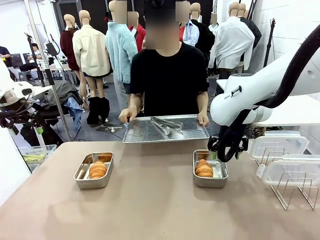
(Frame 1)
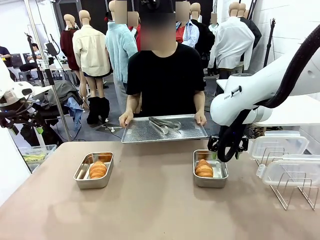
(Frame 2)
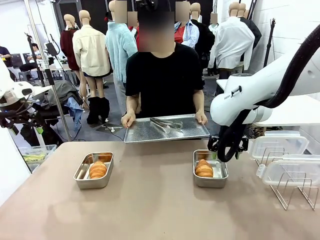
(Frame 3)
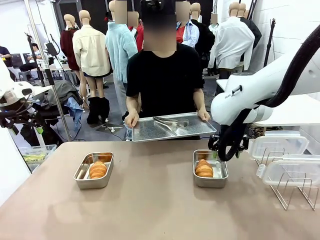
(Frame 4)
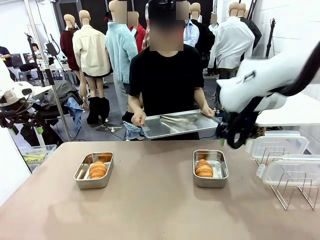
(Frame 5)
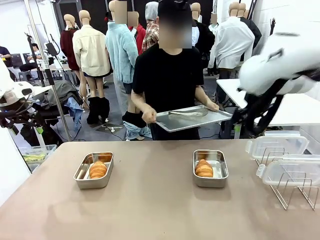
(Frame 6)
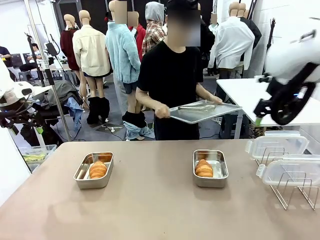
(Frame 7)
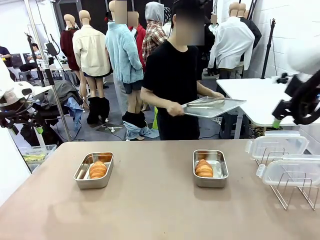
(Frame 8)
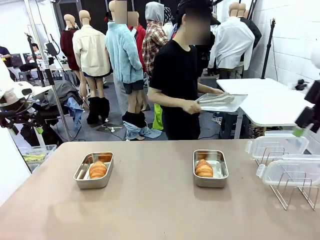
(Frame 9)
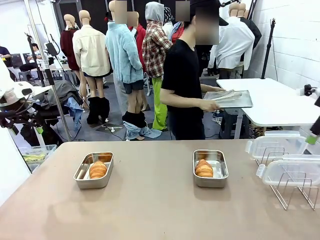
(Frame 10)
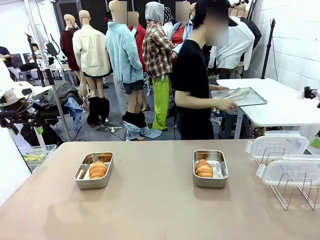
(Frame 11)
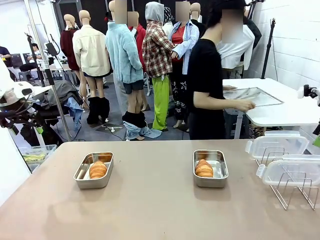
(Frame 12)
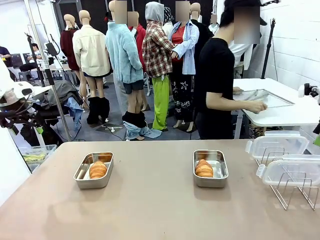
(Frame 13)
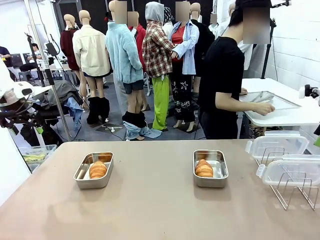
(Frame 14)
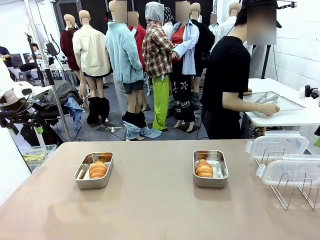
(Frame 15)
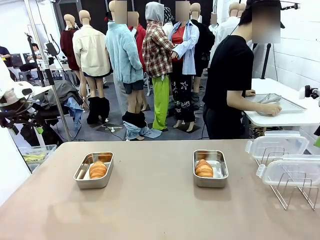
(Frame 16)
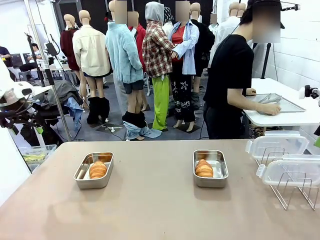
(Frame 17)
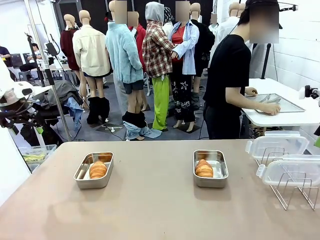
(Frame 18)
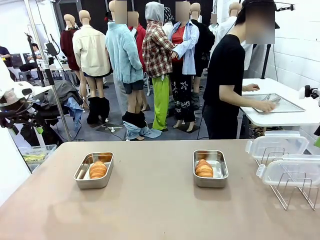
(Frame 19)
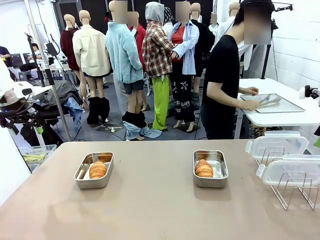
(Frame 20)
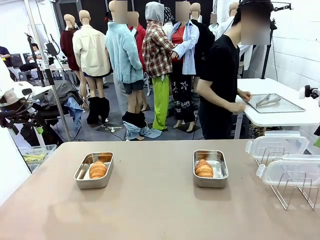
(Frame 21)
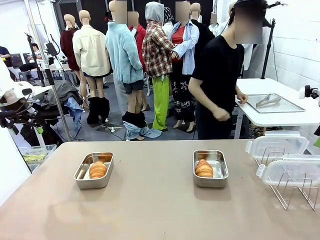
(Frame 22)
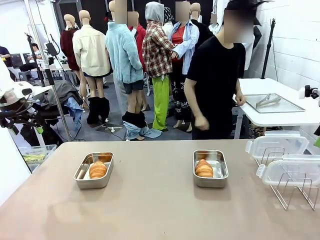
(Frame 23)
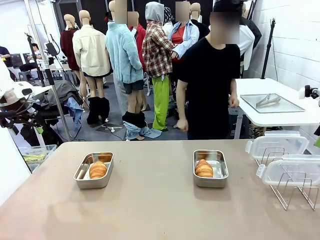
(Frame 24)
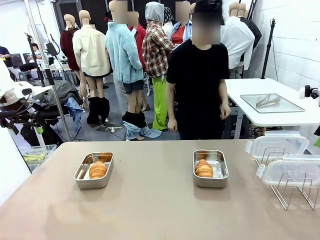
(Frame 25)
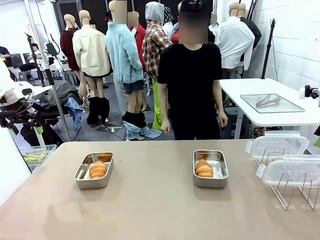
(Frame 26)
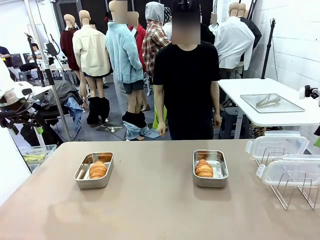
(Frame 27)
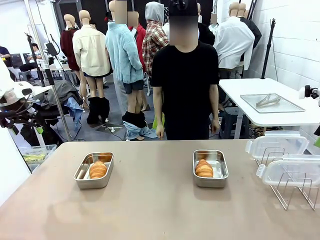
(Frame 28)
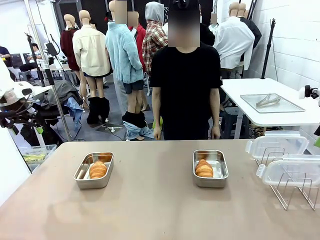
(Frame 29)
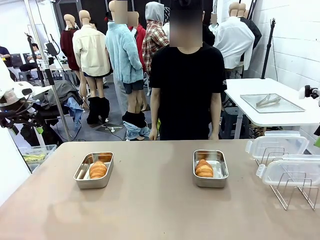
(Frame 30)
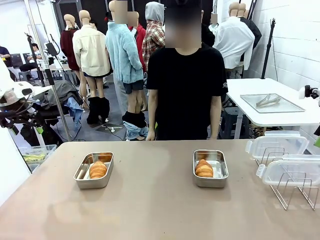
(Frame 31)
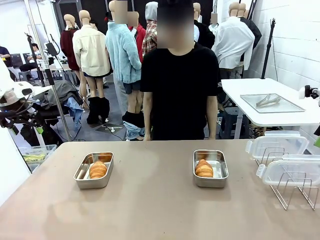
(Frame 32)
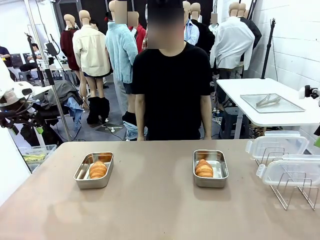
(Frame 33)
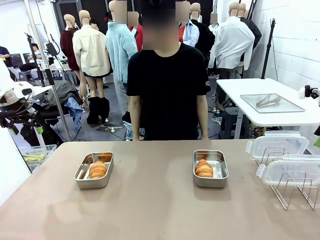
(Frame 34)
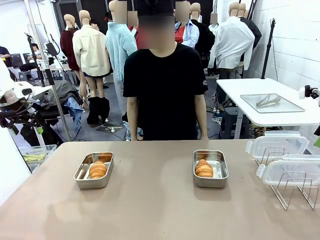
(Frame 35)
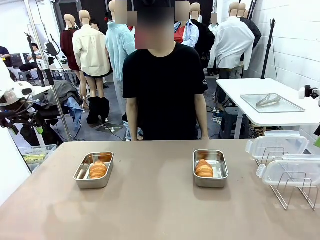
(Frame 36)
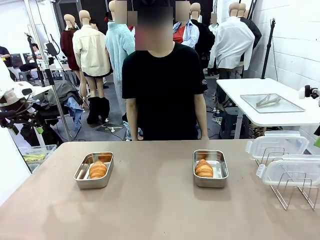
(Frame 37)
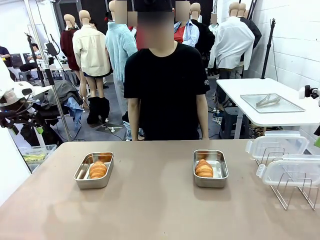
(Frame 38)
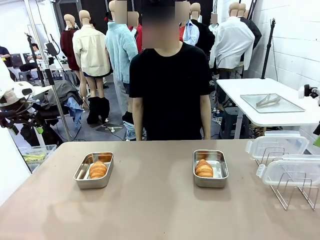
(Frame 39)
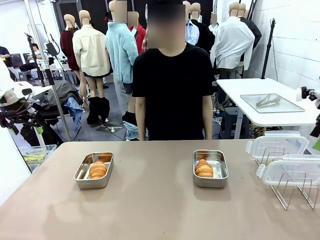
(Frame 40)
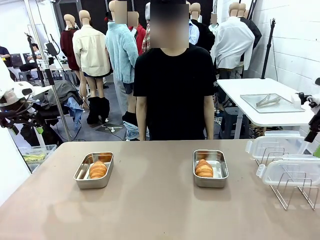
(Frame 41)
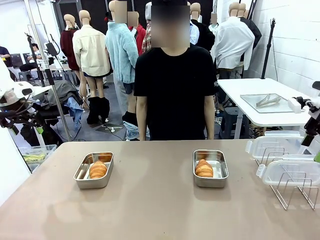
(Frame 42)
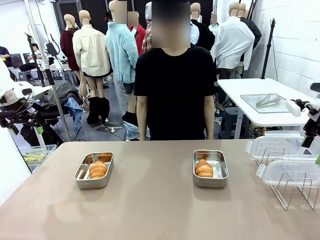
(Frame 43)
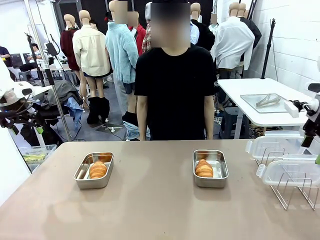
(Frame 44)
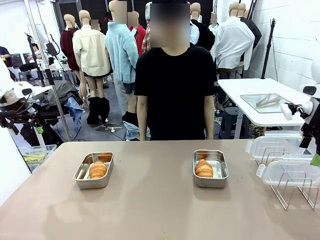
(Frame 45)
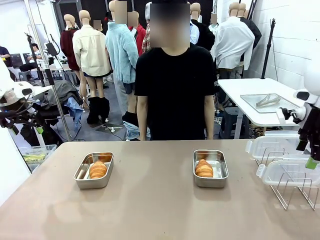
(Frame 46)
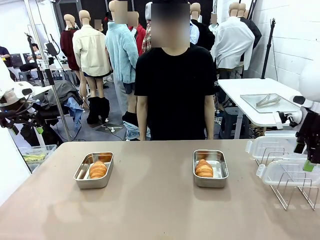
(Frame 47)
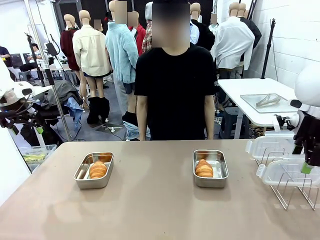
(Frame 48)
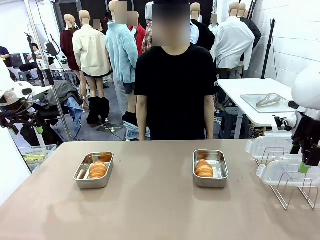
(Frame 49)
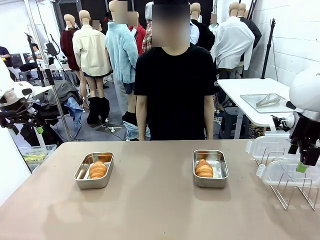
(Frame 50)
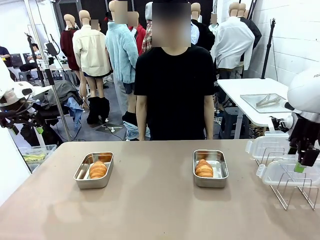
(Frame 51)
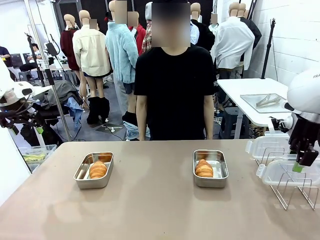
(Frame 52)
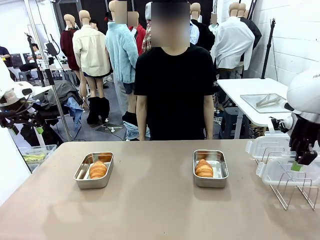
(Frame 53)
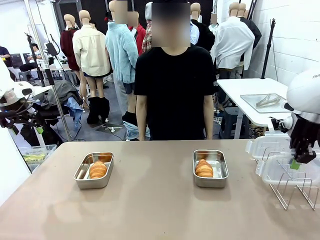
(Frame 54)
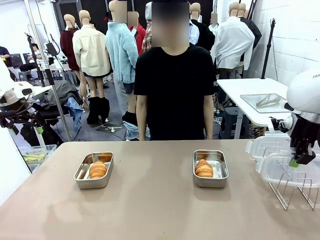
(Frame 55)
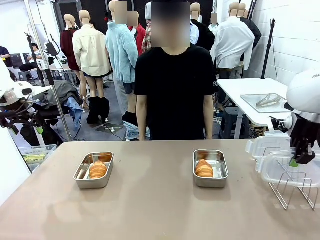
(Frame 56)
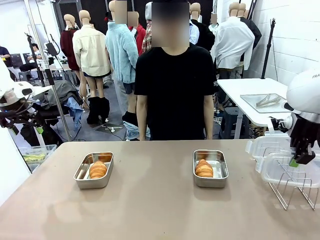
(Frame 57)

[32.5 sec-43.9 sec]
Task: Place the bread in airtight containers.
Robot: Pick up one Airtight Container lid and hand it to the human.
Person: Place Baking Sheet on the Human's Table.

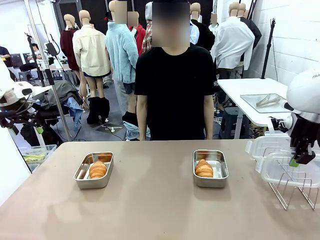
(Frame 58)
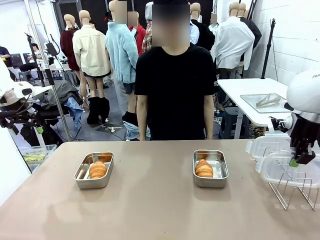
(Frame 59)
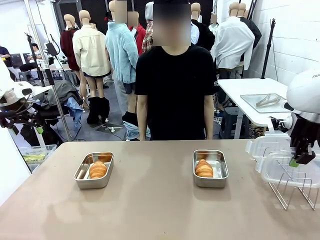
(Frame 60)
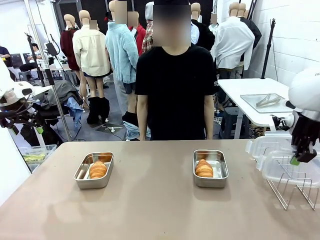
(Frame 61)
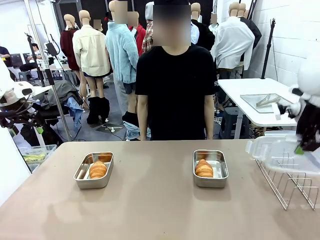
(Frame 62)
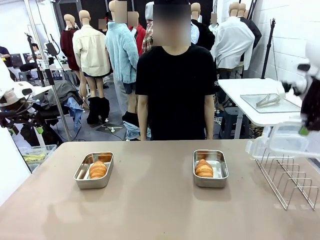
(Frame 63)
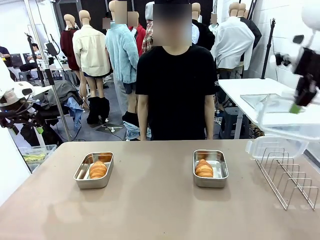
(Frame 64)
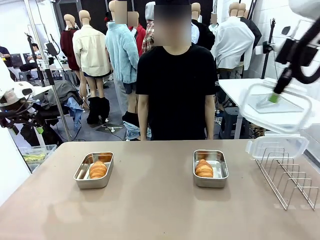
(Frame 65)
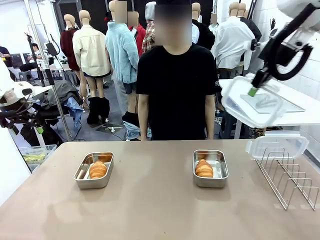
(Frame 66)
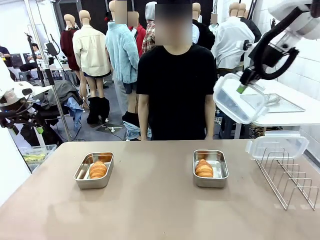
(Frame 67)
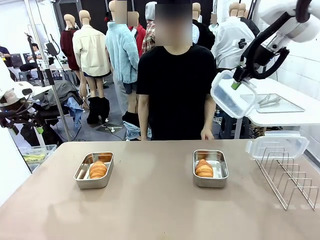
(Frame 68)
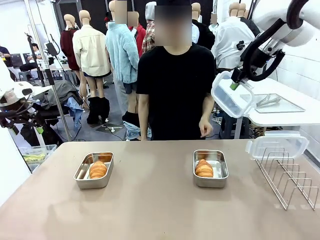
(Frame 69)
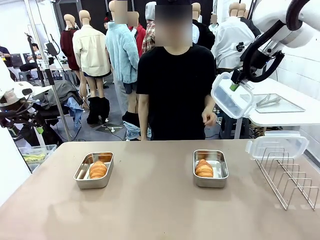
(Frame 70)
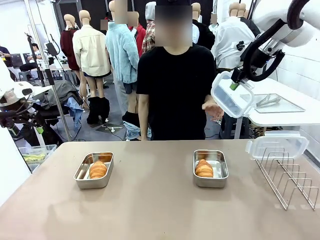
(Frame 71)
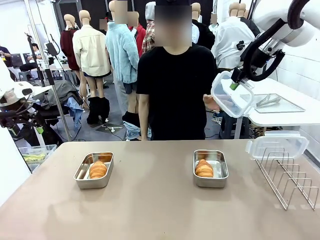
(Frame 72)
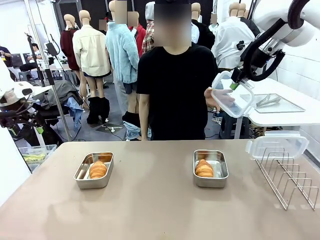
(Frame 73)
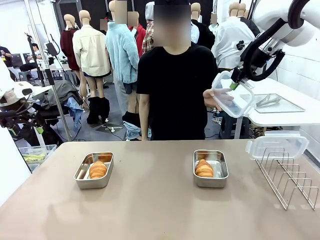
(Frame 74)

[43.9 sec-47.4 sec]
Robot: Release when the human grabs the Airtight Container lid.

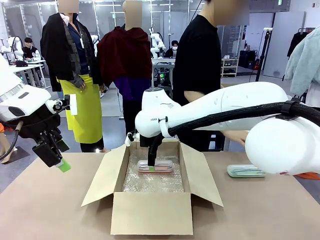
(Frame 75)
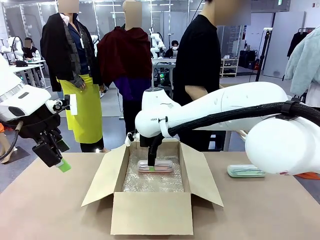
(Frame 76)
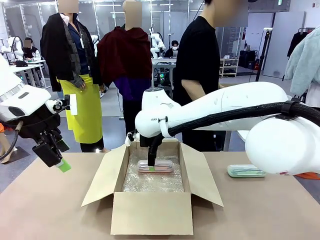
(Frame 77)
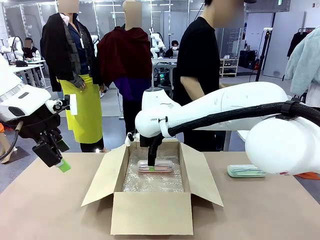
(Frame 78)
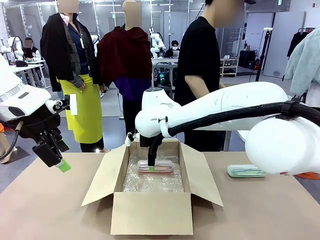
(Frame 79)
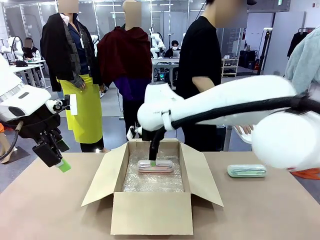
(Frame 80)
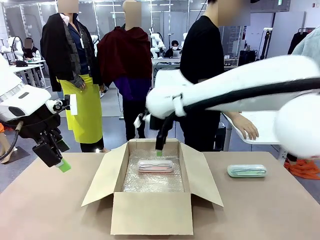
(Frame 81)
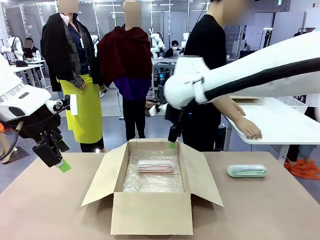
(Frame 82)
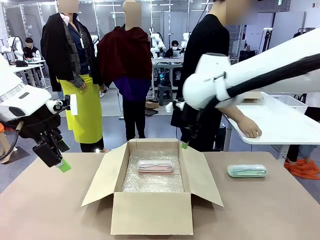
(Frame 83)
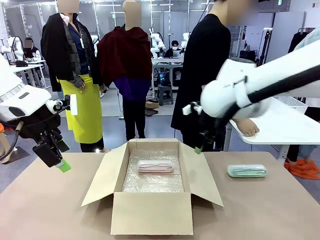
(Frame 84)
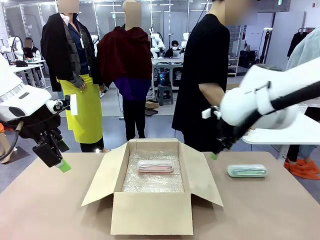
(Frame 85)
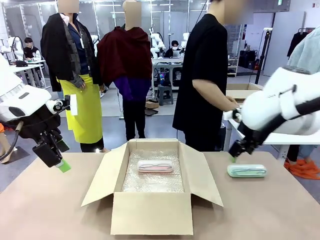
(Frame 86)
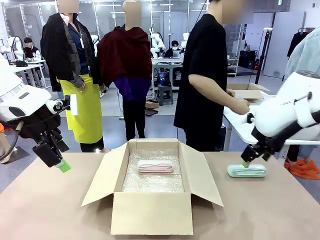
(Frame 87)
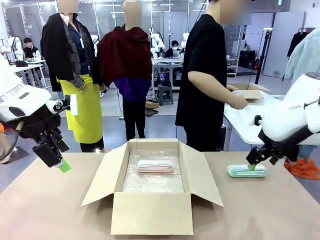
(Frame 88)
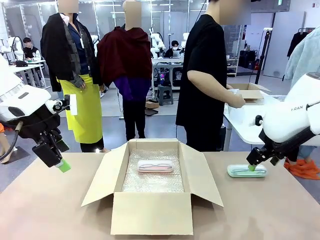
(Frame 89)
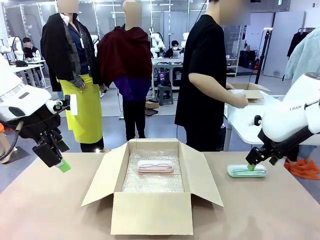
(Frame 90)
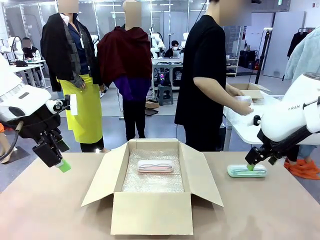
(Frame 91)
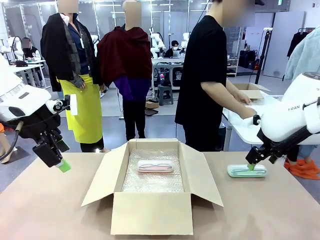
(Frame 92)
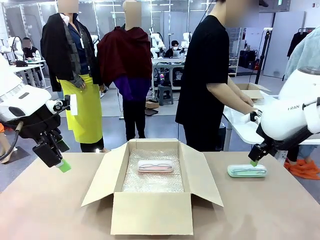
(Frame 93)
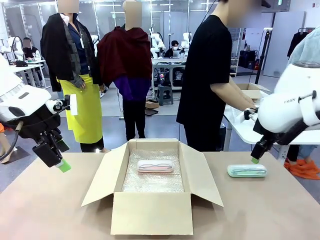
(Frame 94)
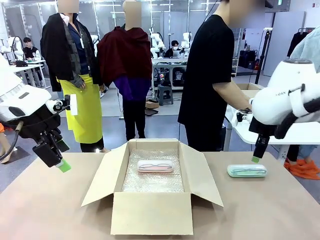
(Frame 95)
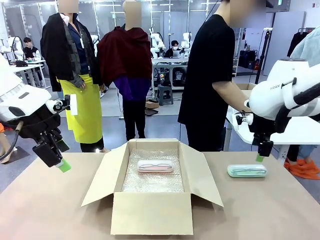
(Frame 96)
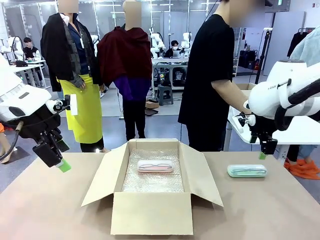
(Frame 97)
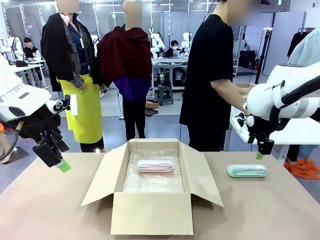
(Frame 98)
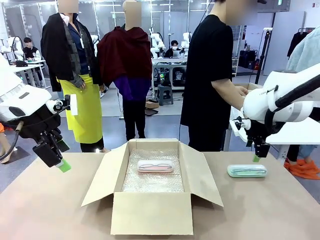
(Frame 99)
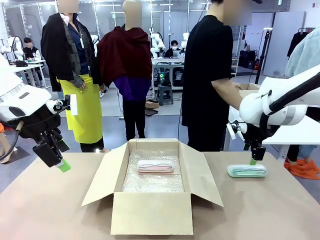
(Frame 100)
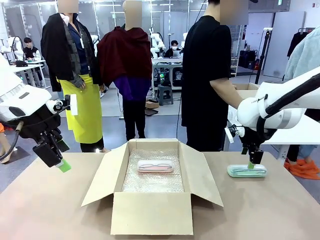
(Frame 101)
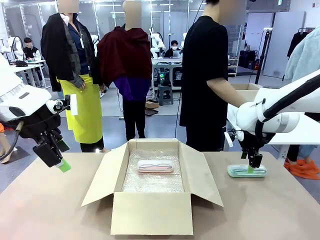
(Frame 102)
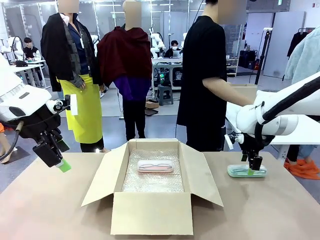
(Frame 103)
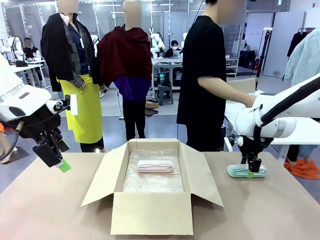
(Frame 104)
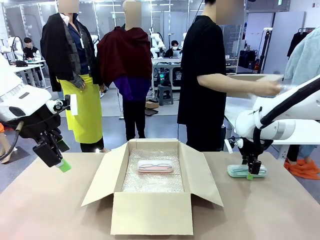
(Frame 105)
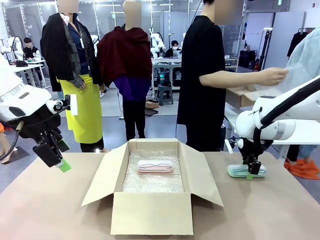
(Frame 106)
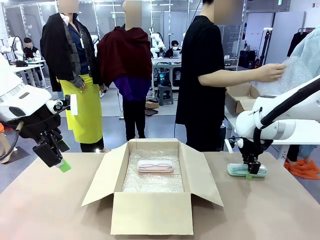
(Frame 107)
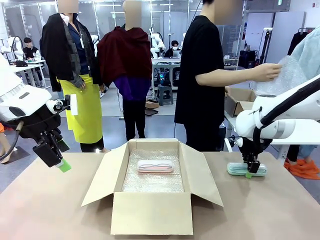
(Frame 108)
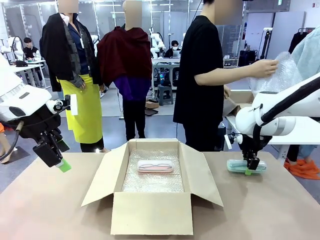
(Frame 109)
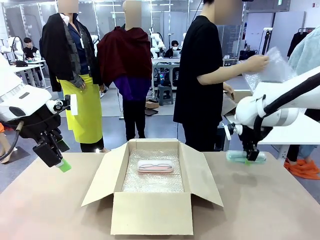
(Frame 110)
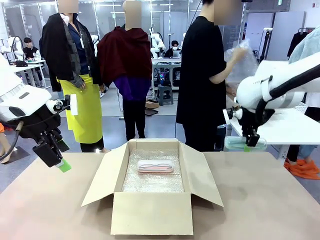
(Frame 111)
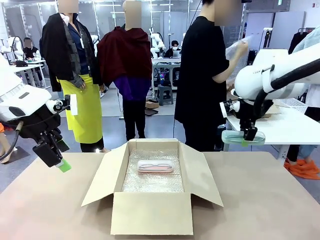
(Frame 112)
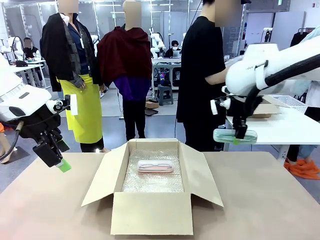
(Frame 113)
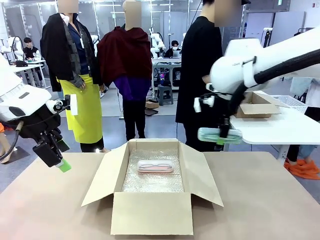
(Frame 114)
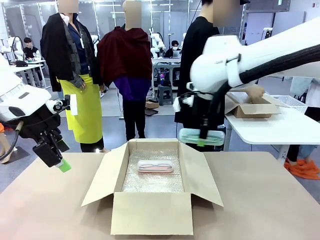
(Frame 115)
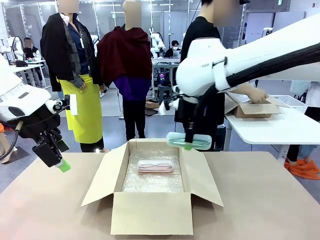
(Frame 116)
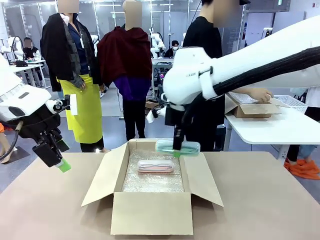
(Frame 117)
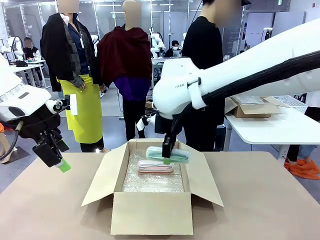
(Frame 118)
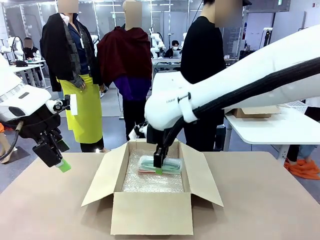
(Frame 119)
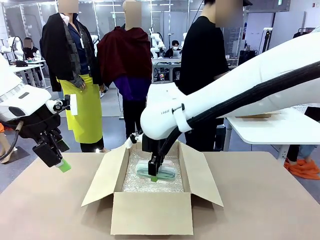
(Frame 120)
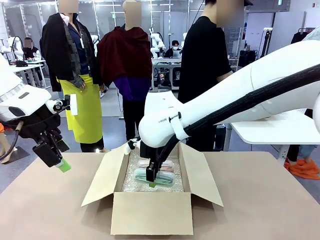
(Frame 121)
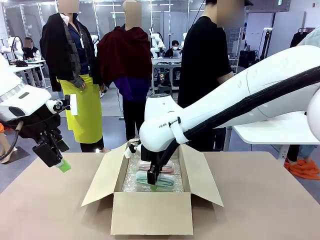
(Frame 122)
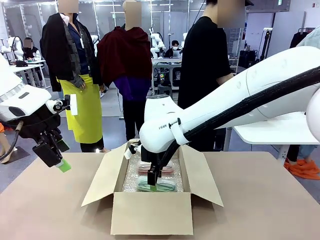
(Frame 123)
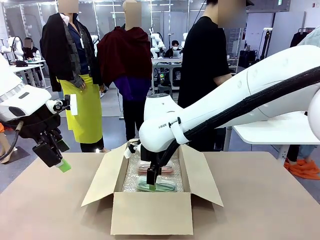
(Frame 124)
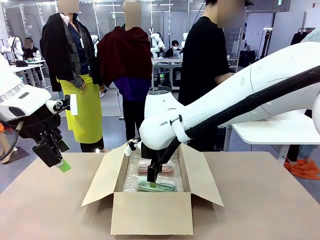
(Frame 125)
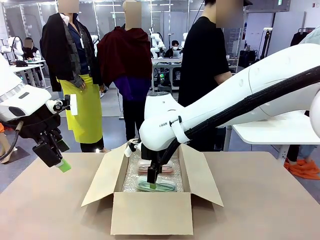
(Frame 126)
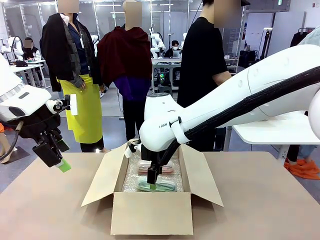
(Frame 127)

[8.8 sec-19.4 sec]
Task: Pack the glasses set securely to prepare it for shipping.
Robot: Put the Glasses case from the right side of the table into the Package Box.
